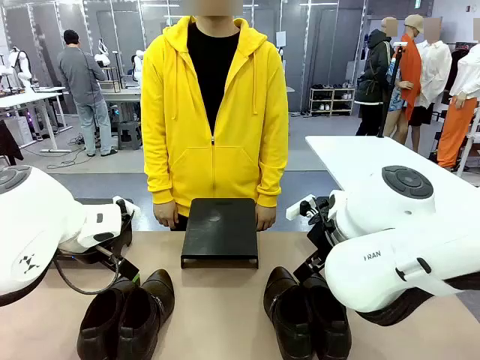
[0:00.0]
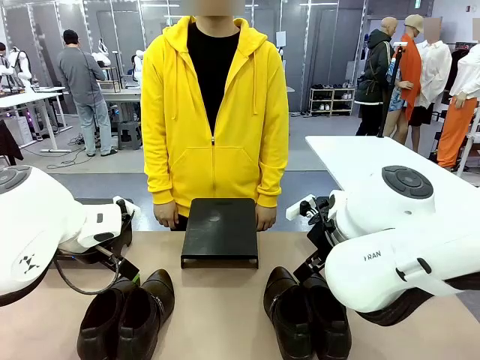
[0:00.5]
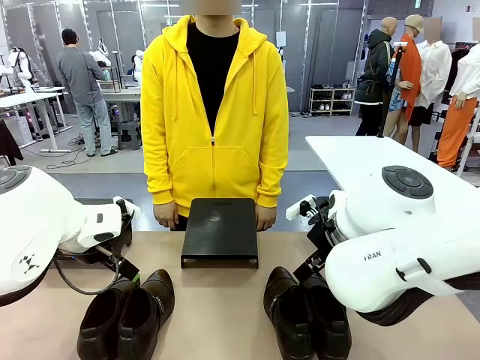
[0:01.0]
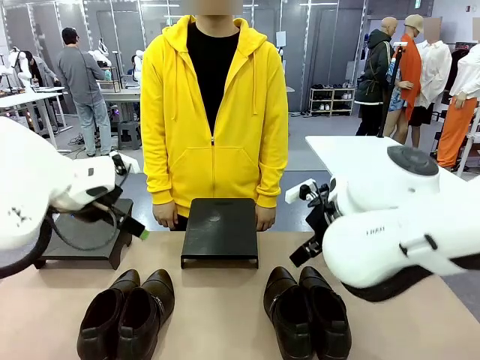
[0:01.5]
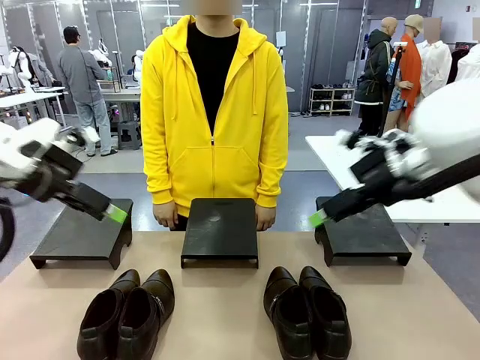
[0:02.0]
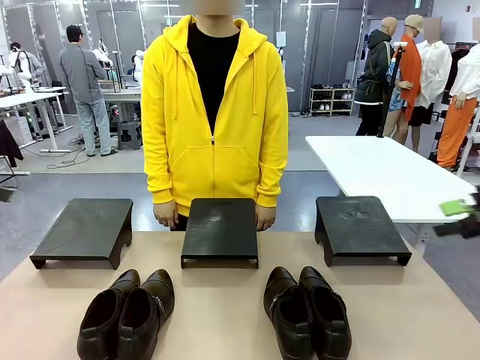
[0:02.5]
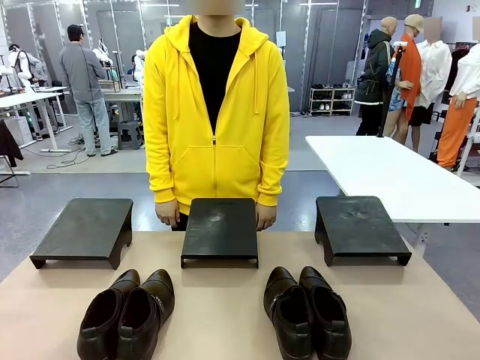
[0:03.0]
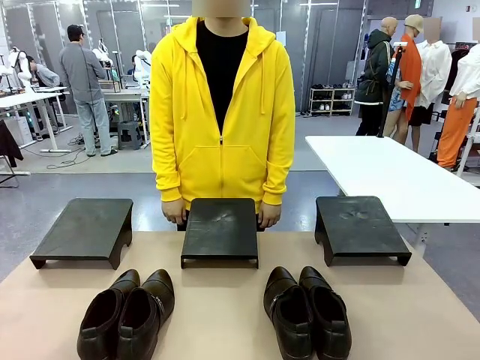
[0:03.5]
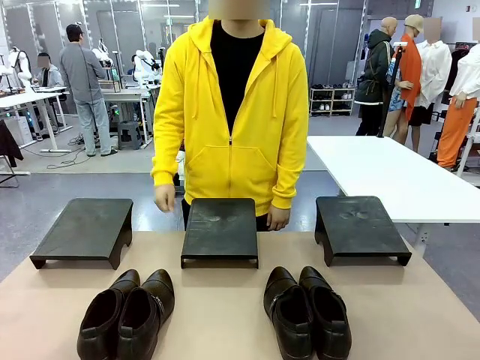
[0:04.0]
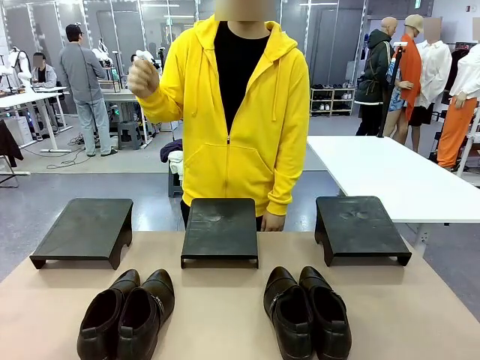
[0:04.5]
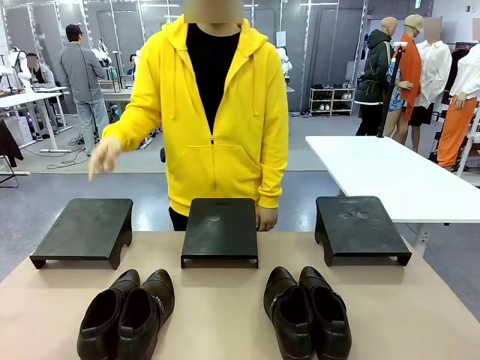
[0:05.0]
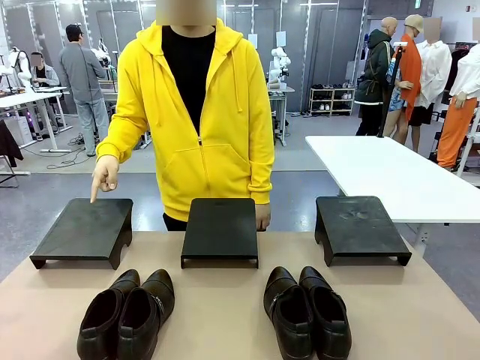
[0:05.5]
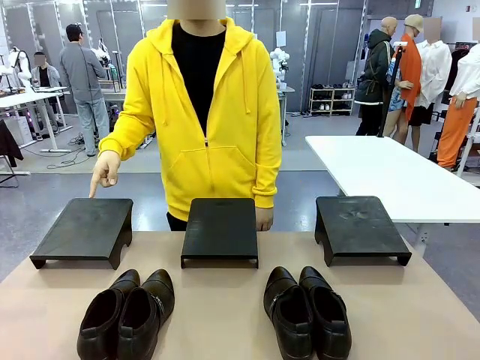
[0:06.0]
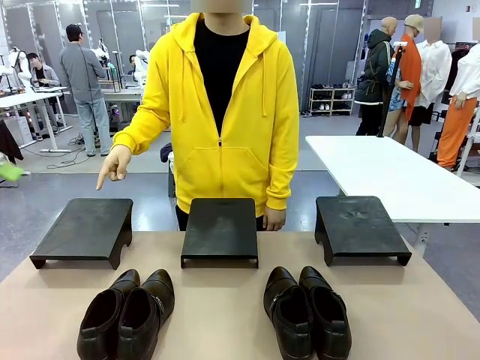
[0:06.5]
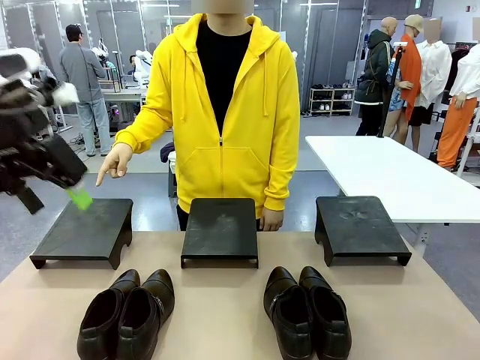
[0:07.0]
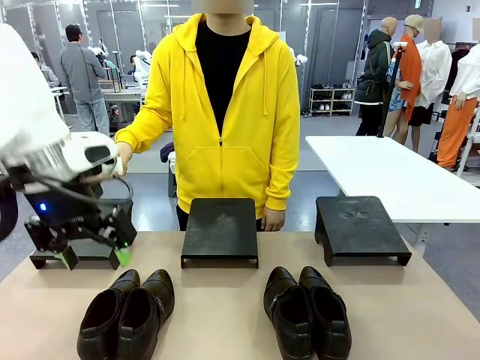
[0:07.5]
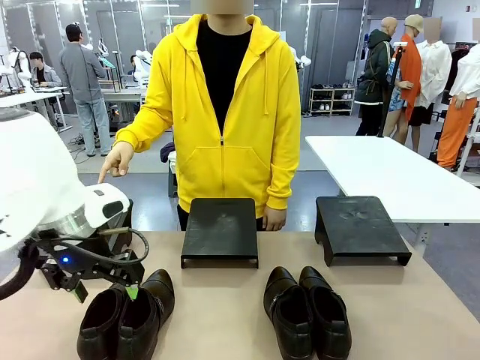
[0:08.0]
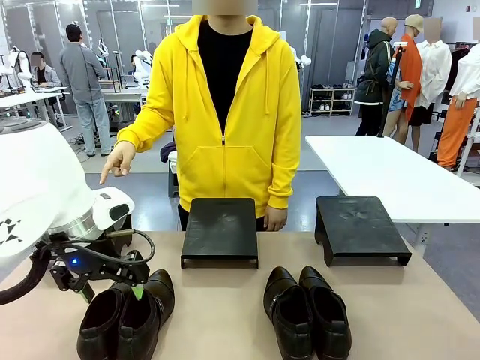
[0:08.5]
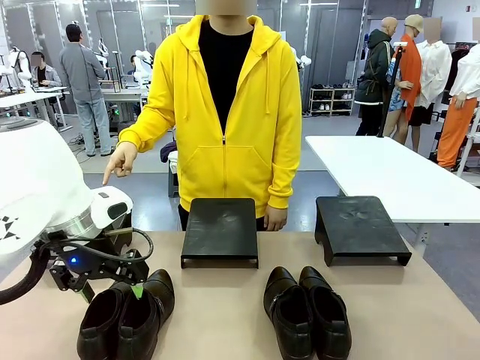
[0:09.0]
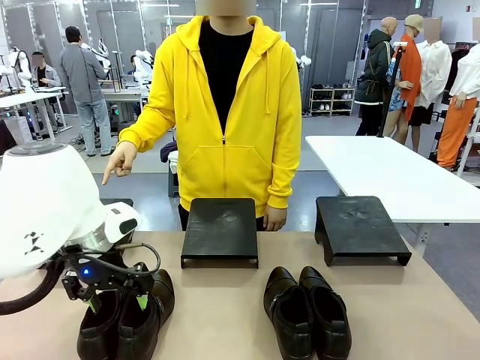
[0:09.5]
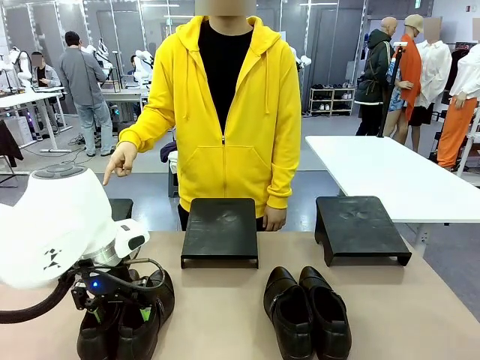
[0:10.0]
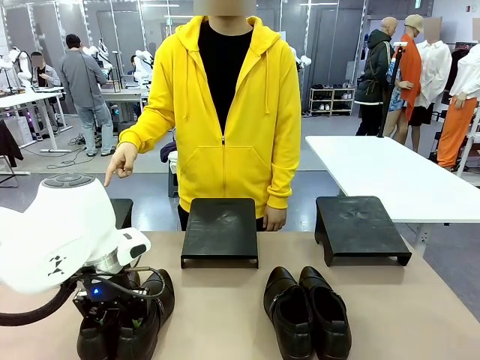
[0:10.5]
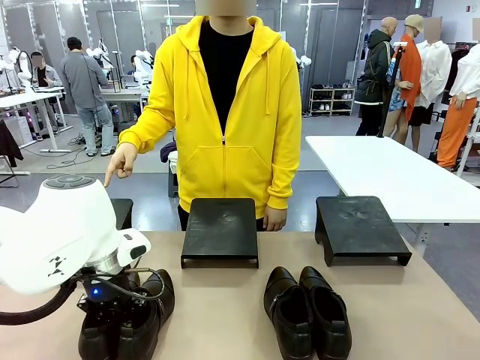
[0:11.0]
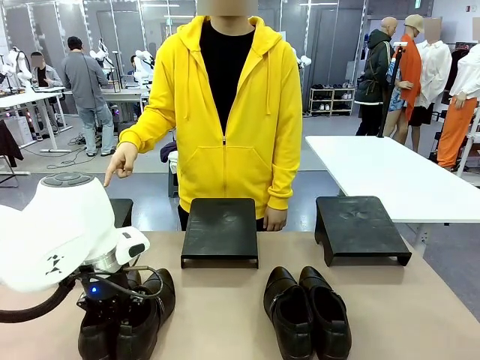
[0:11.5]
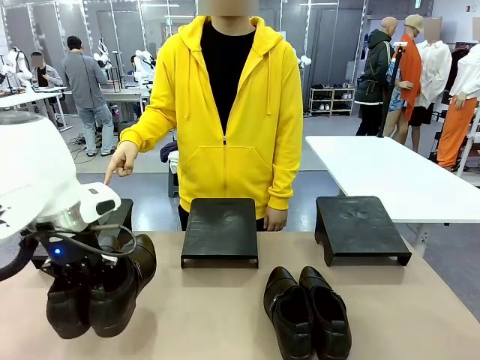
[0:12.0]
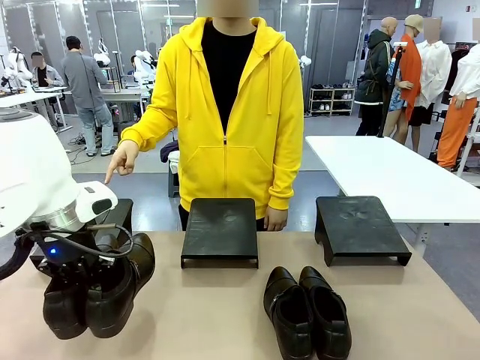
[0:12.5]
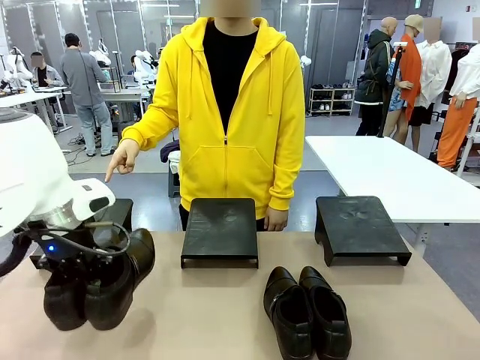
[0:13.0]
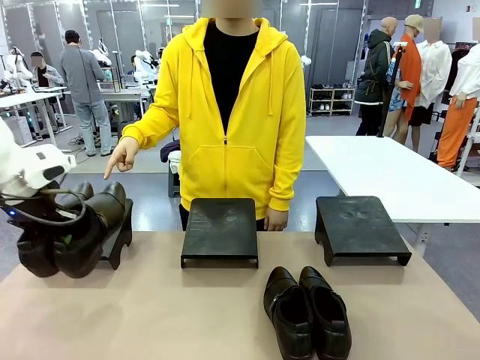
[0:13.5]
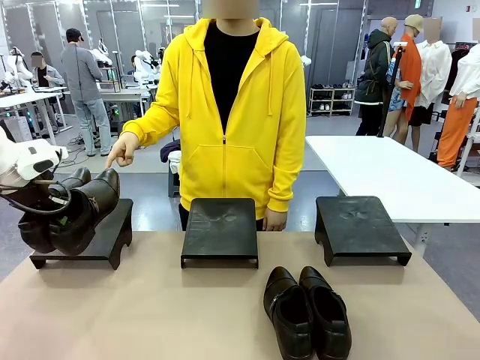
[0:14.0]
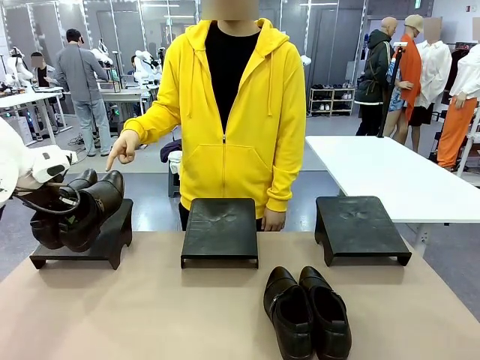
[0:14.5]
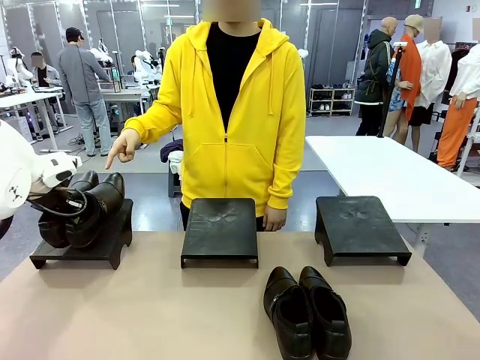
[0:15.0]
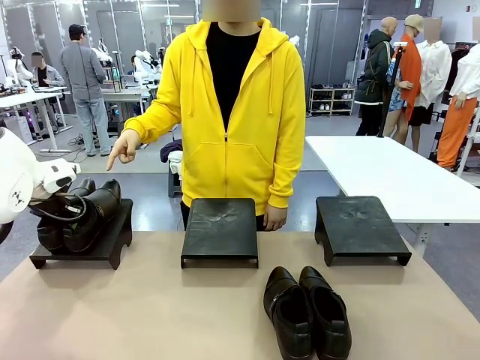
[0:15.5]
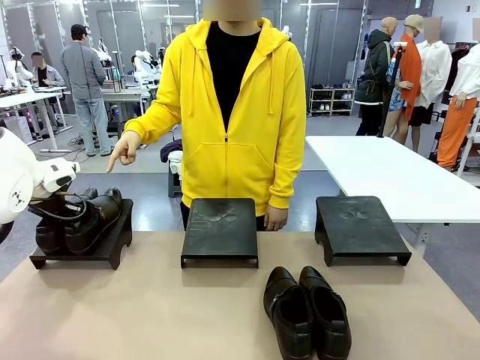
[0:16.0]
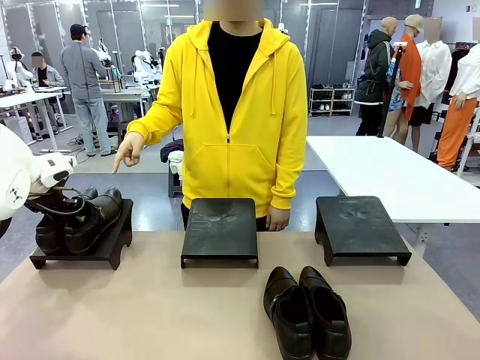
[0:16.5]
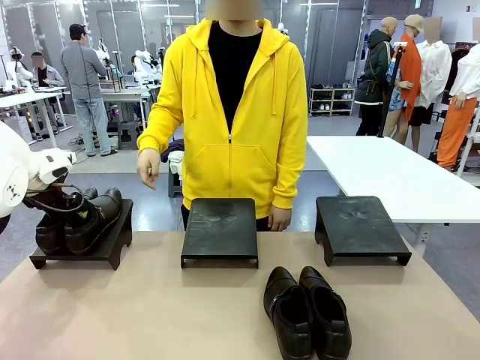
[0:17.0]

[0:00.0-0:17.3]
Task: Place the shoes on the stand as instructed by the person.
Robot: Pick up one pair of Shoes and place it on the Shoes Stand indicated by the person.

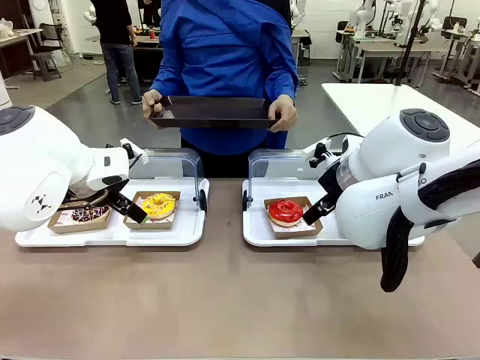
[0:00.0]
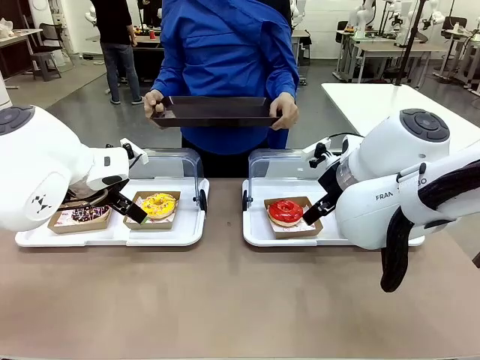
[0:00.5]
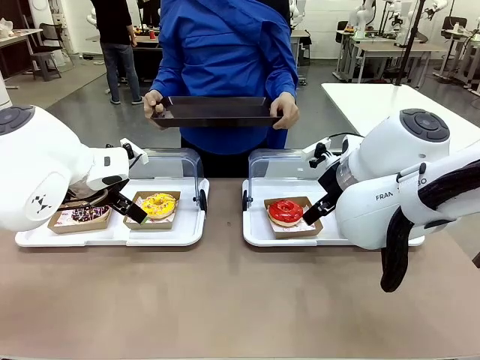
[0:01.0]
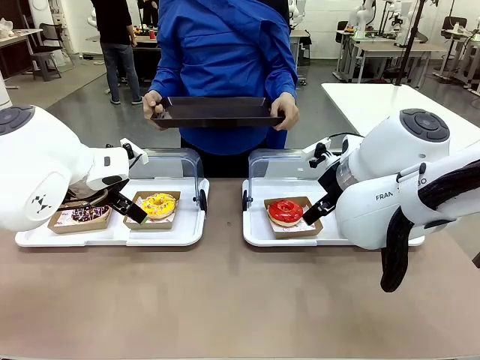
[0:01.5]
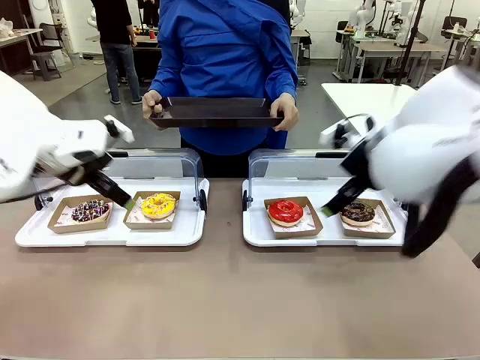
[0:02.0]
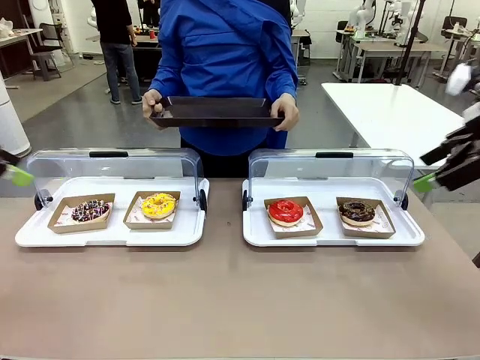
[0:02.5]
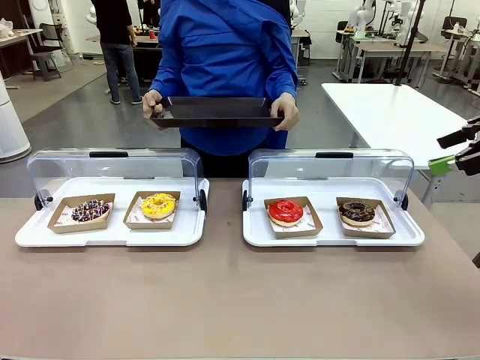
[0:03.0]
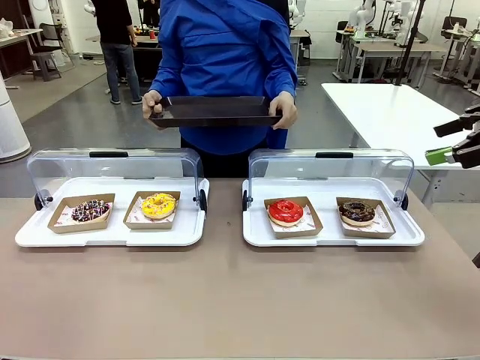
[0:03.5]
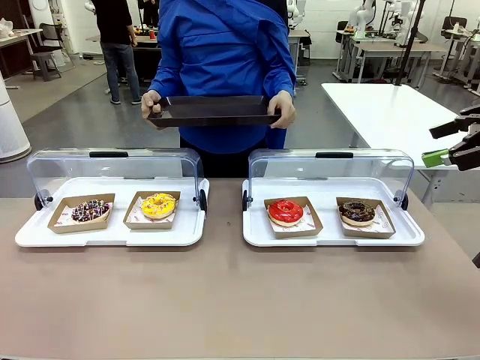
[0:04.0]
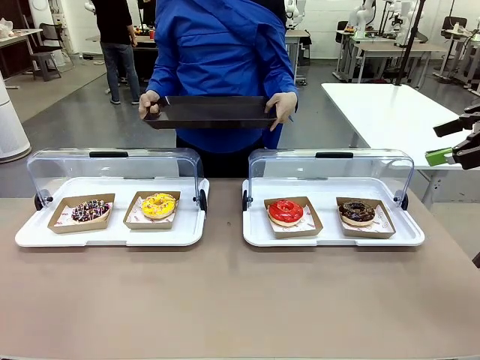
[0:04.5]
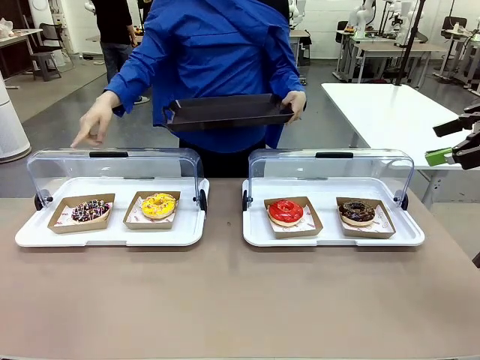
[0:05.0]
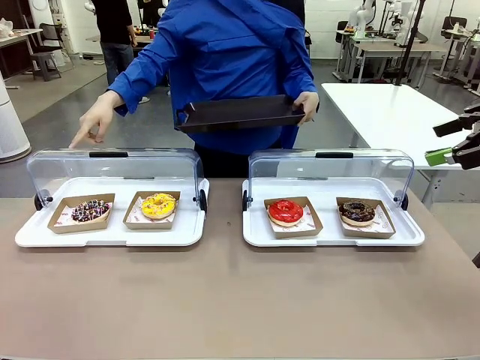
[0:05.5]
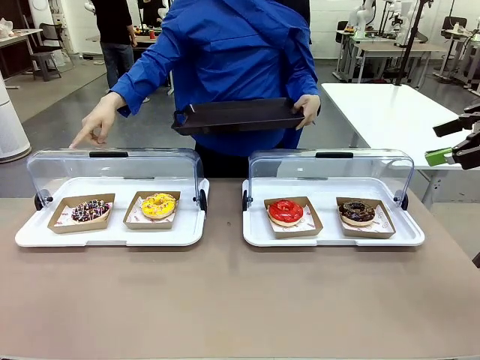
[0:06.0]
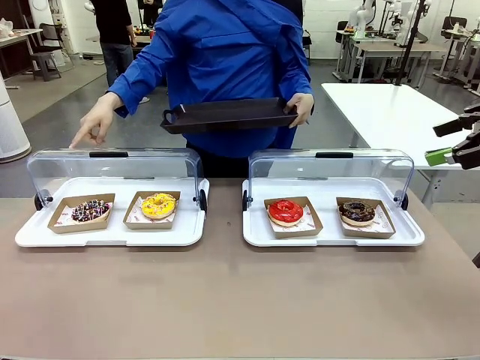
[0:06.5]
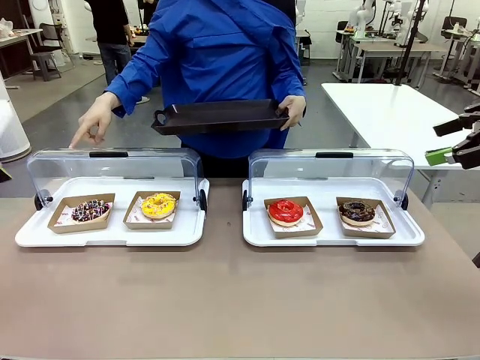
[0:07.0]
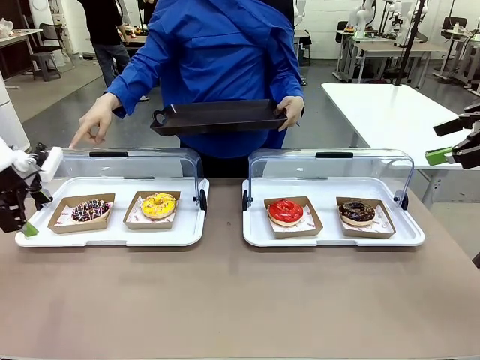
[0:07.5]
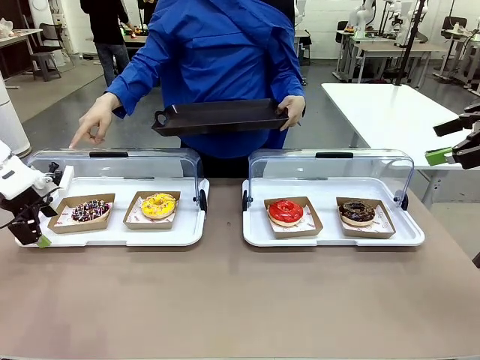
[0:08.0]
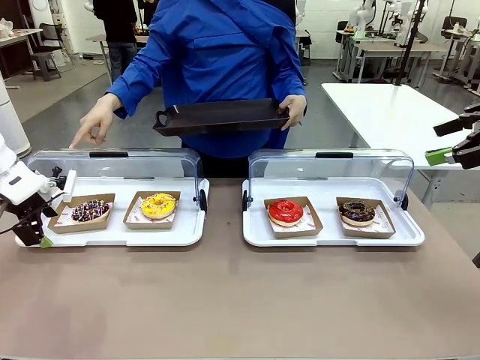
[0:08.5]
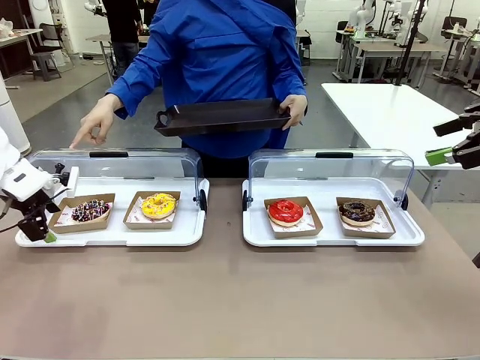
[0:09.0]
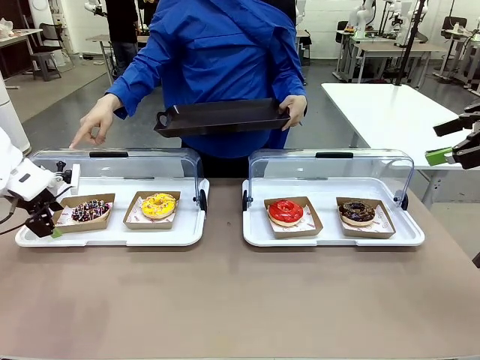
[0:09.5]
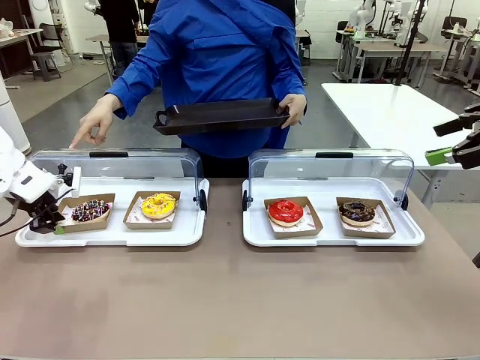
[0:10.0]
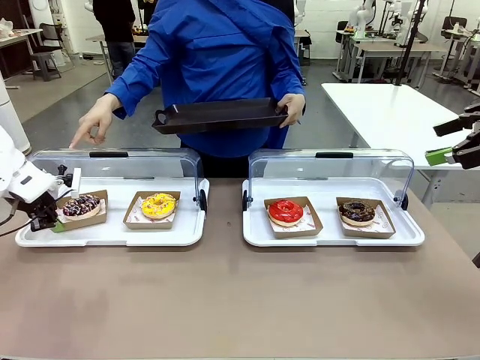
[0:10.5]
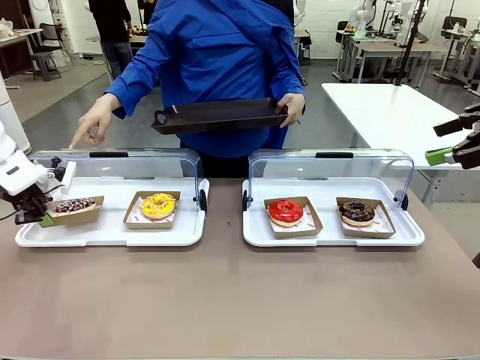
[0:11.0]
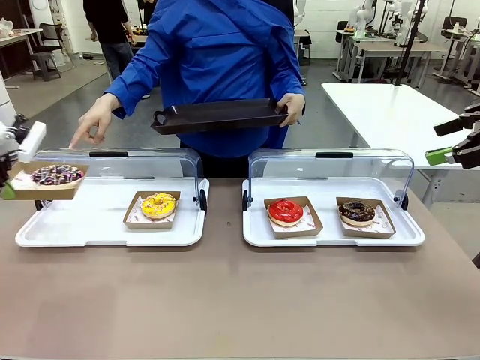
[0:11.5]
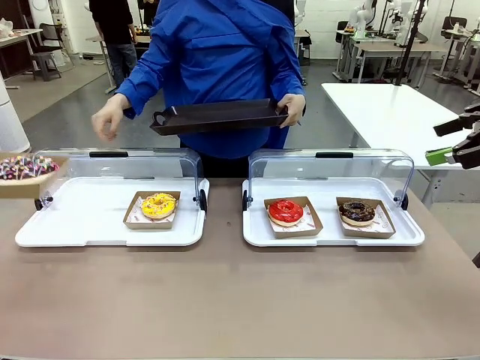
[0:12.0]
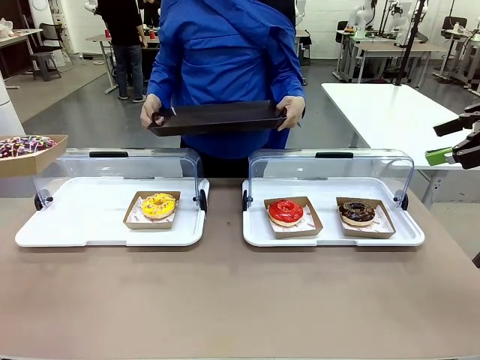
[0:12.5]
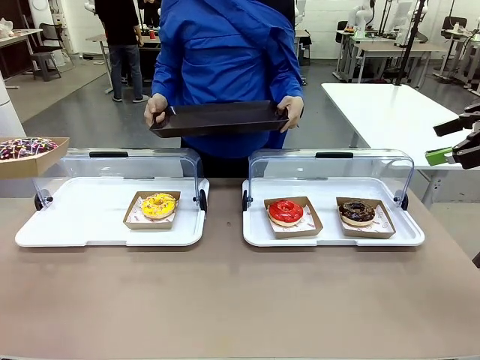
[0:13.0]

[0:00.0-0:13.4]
Task: Provide the desired donut to the person.
Robot: Pick up and lift the Paper togo box containing the Donut pointed at by the person.
Person: Point to one donut. Lift the tray onto the Roll-Top Bakery Case.
